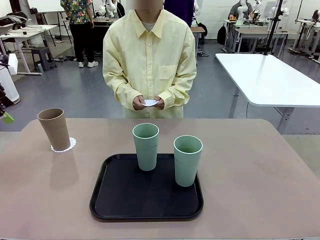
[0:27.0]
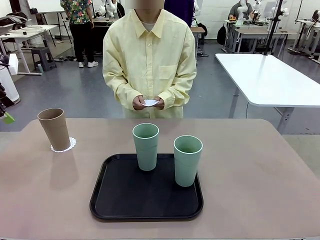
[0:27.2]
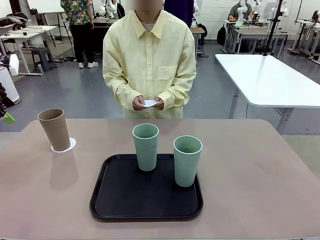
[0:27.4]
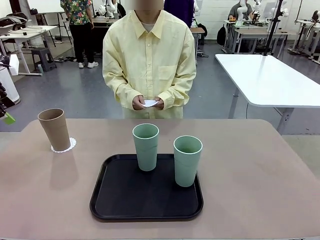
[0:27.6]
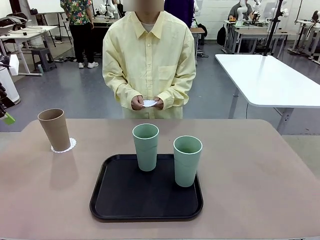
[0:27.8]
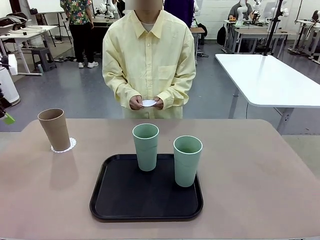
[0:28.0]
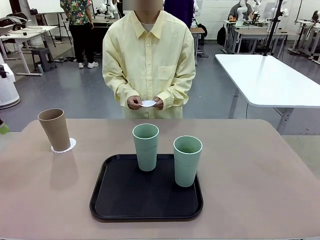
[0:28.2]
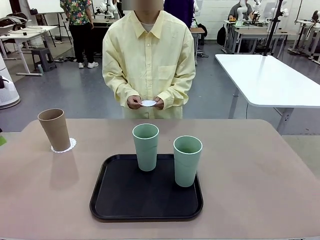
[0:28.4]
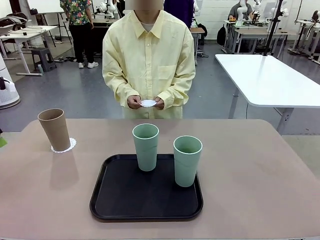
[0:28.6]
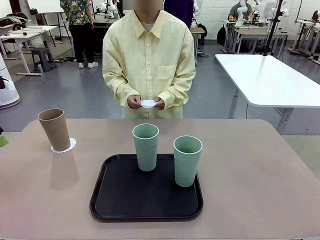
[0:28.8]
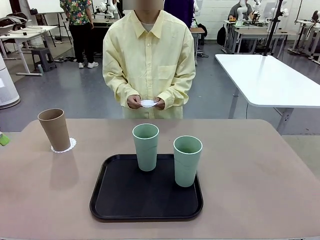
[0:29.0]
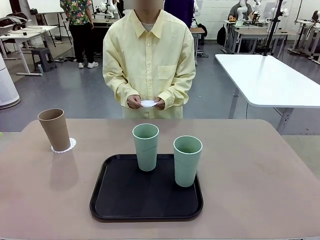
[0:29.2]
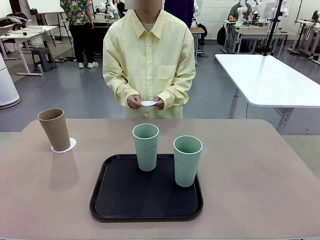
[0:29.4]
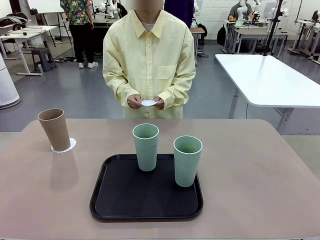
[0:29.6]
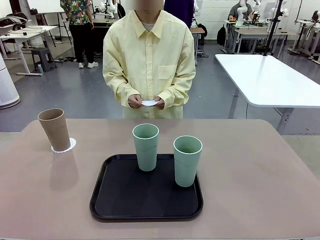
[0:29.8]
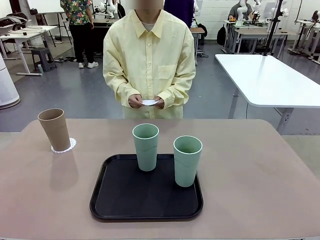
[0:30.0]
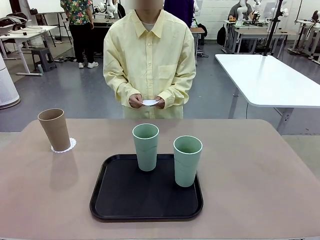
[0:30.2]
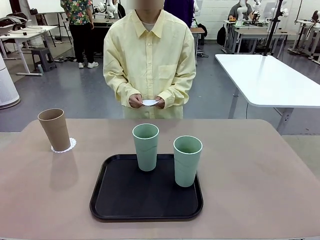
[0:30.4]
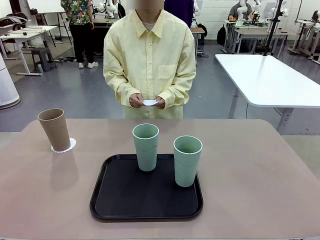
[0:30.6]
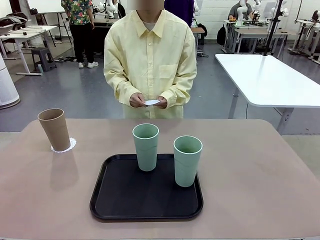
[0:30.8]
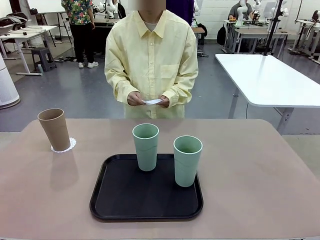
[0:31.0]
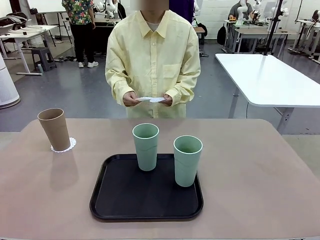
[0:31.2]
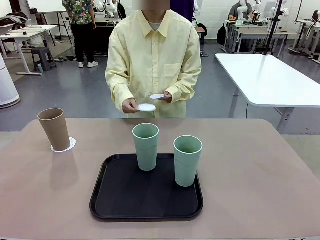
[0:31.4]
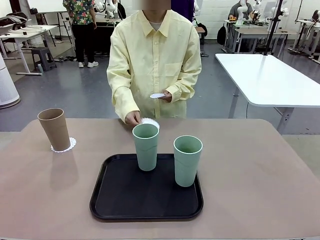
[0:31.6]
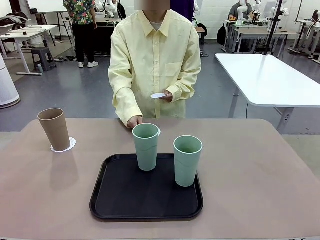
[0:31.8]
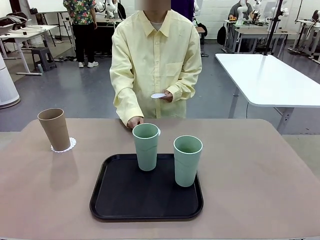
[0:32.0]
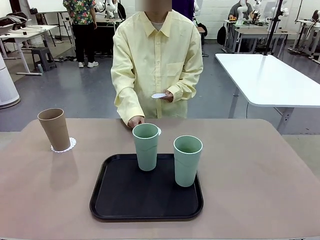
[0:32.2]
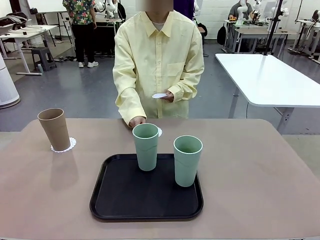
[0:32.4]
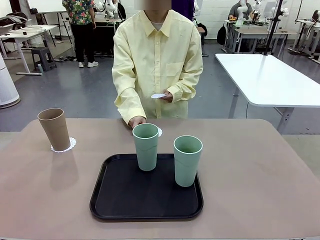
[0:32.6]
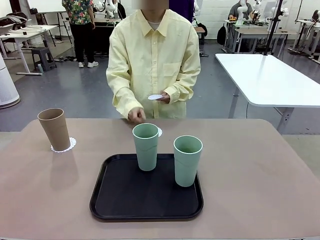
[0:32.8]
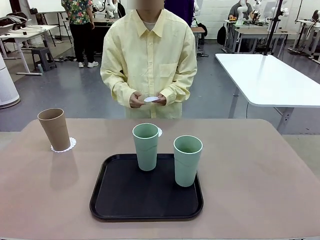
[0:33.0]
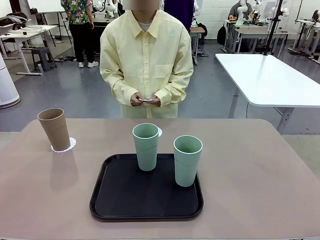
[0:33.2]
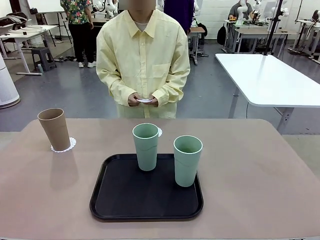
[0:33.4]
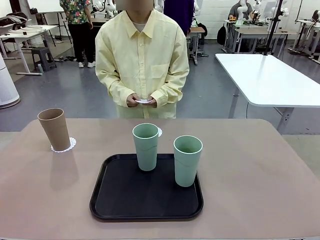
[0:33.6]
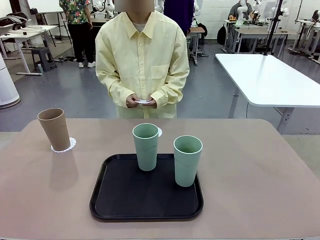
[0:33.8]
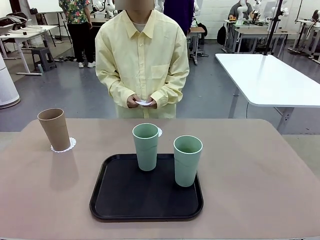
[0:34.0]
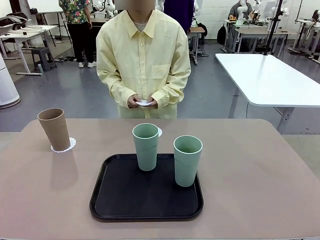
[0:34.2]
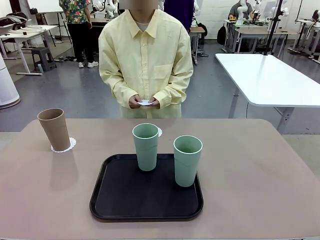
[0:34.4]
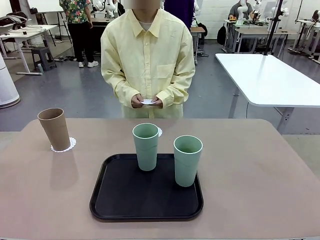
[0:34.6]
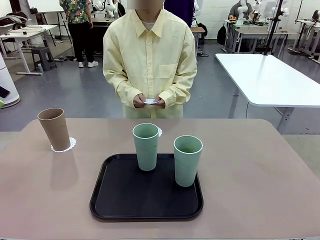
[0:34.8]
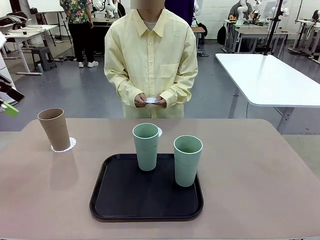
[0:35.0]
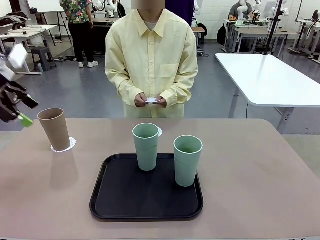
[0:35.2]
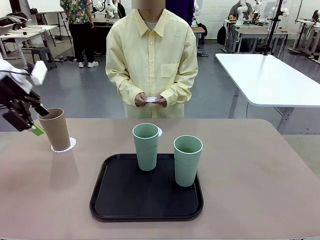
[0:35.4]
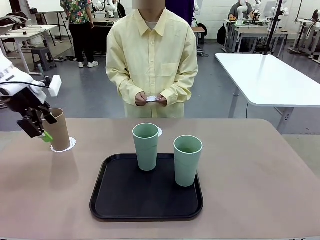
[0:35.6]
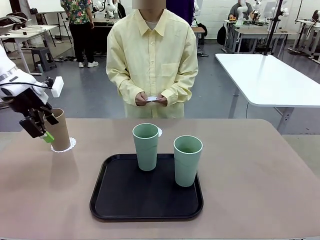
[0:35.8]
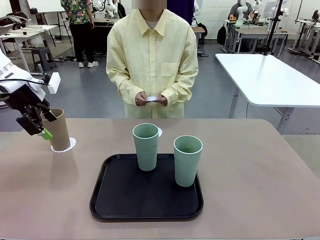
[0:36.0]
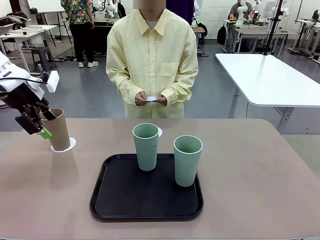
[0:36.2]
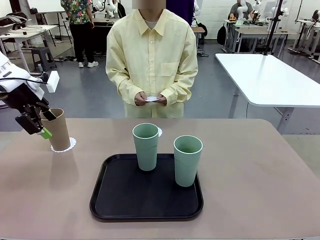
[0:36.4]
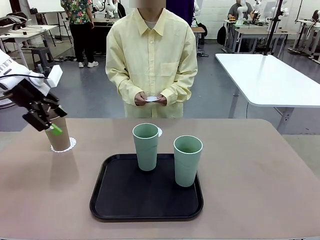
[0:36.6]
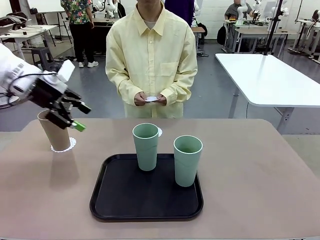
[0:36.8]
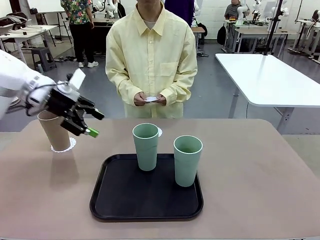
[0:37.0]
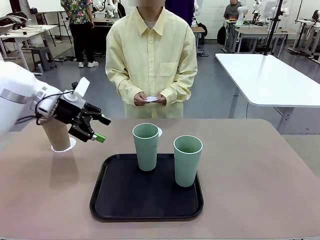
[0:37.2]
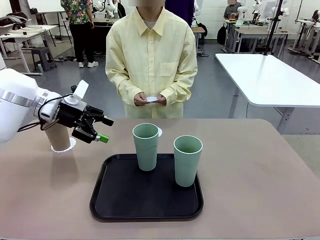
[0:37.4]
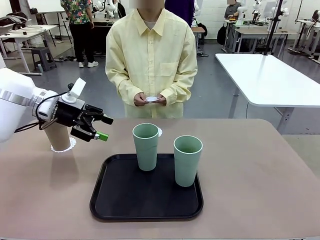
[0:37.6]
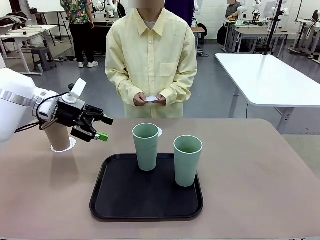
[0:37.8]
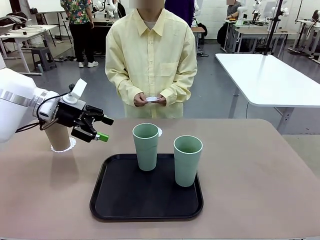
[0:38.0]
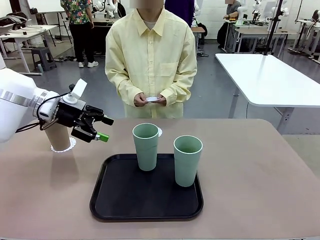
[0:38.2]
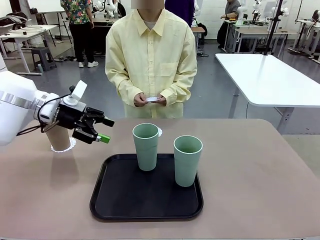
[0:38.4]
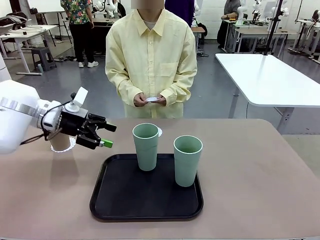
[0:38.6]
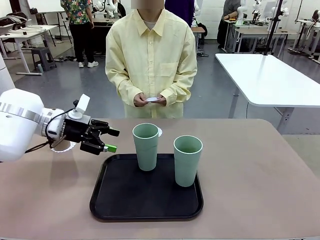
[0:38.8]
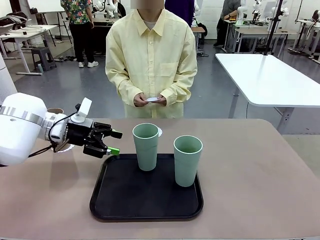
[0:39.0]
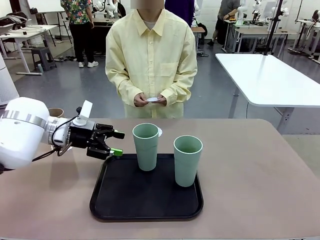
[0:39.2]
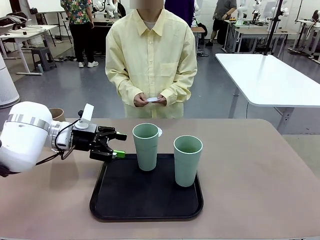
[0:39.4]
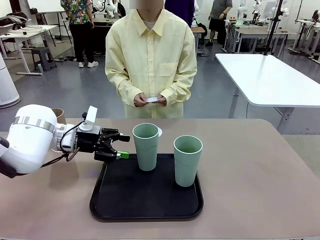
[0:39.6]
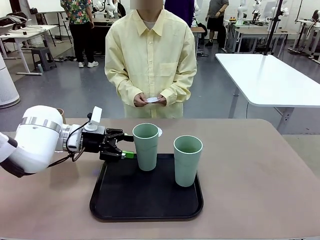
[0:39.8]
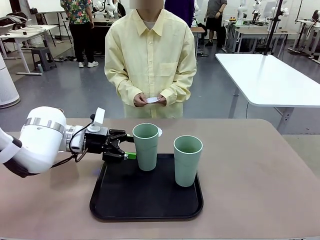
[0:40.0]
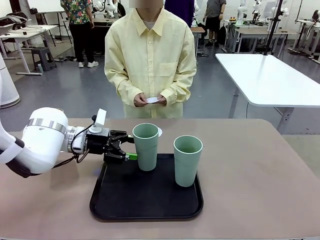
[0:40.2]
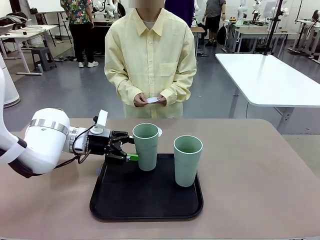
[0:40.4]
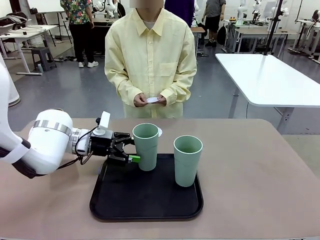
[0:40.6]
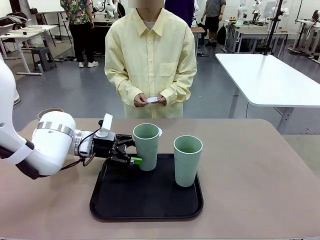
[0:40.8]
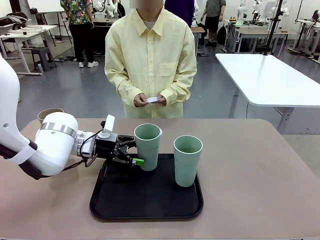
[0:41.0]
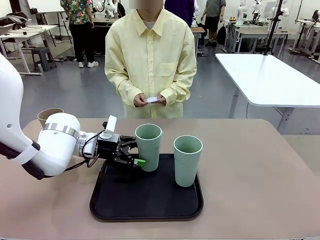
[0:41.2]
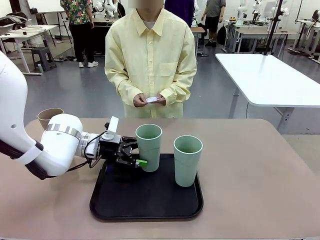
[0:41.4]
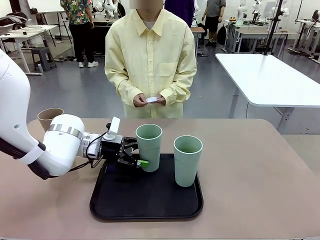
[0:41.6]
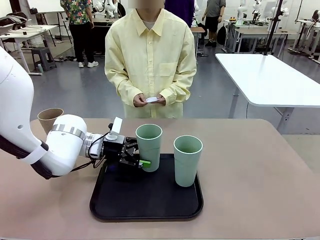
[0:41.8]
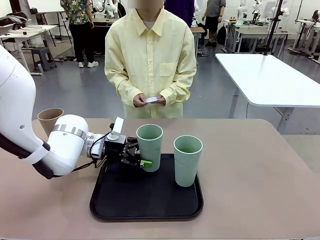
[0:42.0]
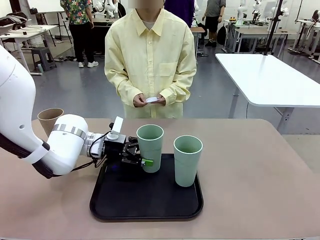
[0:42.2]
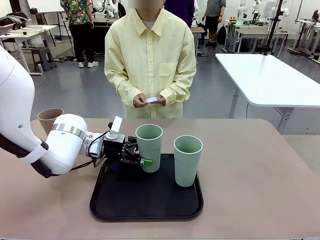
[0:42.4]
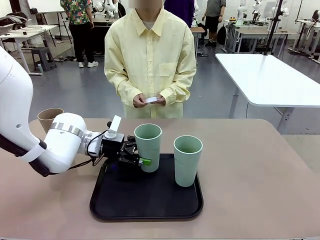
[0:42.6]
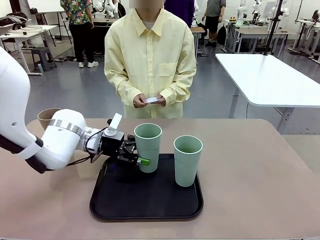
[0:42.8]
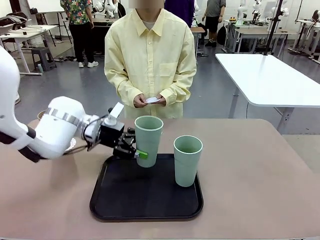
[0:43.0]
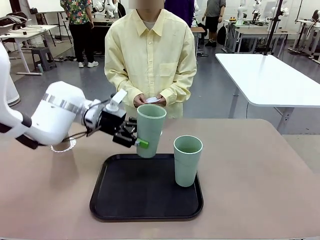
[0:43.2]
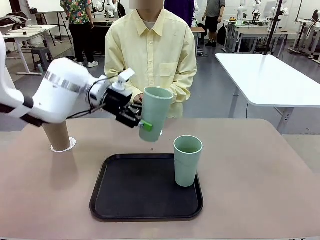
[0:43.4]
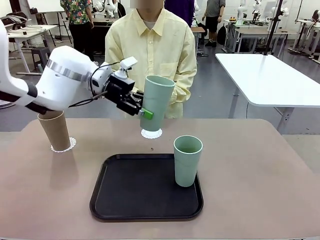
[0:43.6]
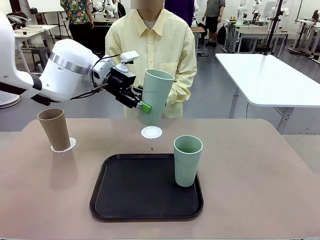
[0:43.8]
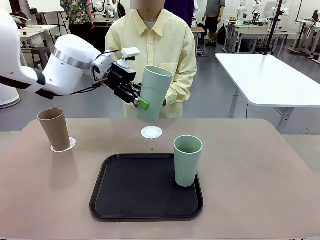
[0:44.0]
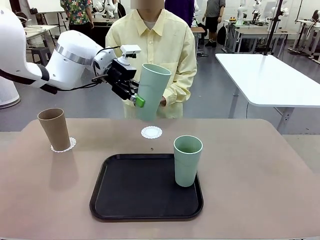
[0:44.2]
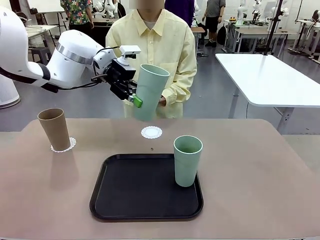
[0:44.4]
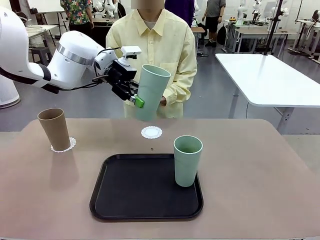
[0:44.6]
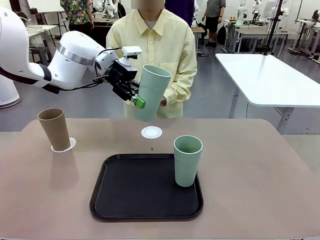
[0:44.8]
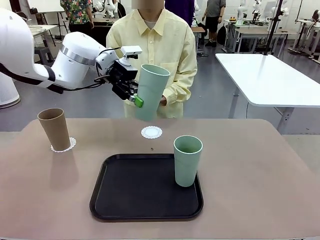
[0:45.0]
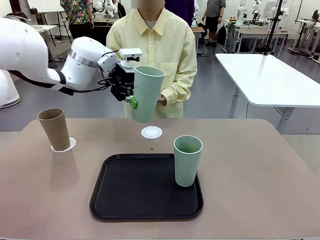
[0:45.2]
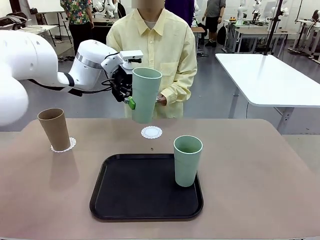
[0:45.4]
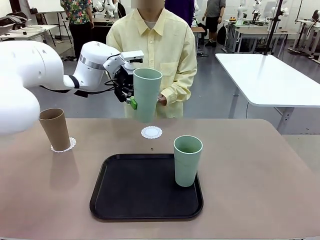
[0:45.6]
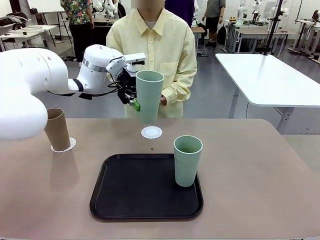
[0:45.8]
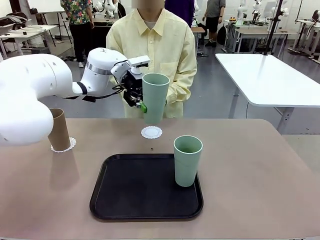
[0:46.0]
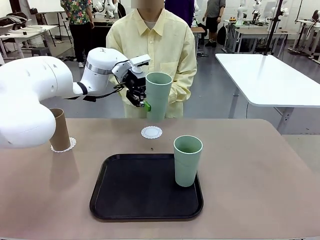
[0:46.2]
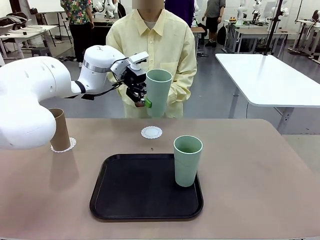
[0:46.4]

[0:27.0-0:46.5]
Task: Place coasters on the table and set cups on them.
Robot: Take one Reusable plastic cup from the Flat Tray and place it on a coaster set by the human.

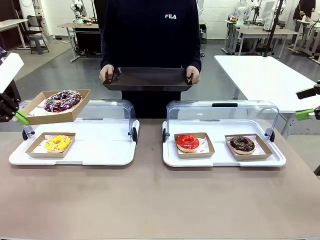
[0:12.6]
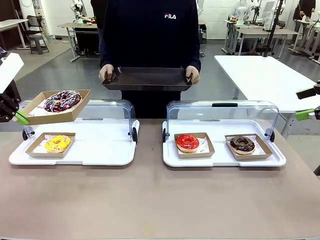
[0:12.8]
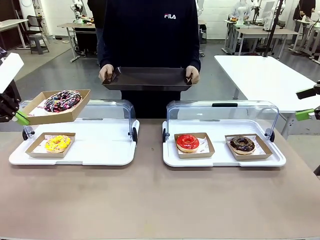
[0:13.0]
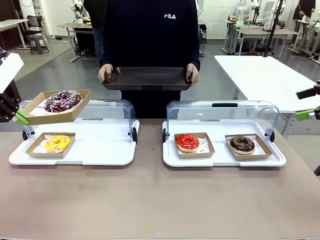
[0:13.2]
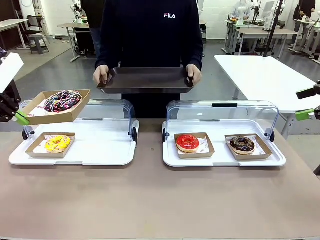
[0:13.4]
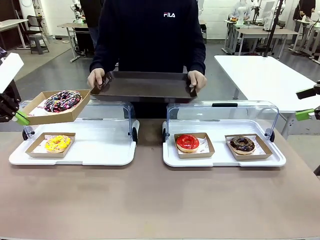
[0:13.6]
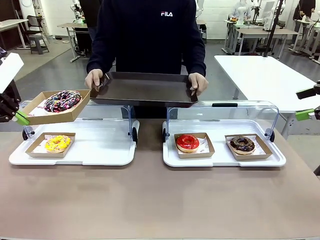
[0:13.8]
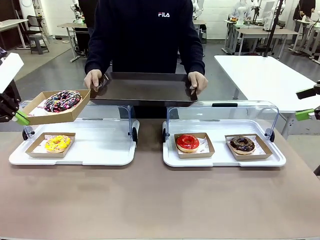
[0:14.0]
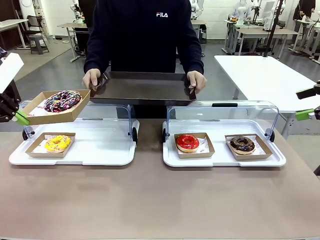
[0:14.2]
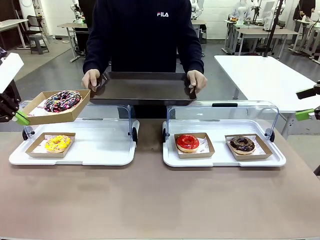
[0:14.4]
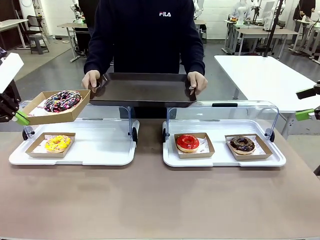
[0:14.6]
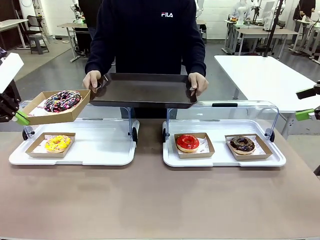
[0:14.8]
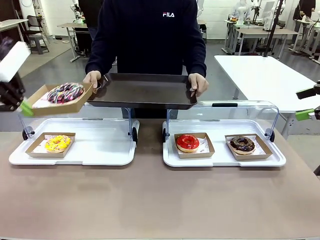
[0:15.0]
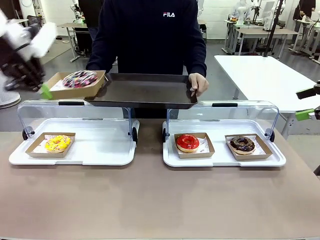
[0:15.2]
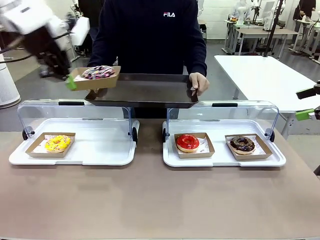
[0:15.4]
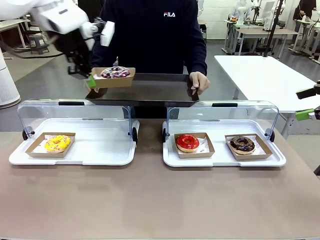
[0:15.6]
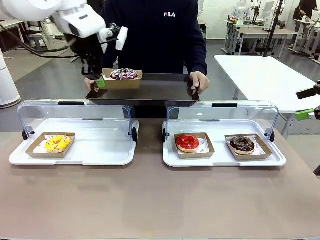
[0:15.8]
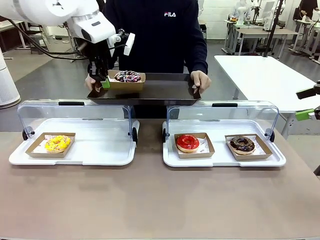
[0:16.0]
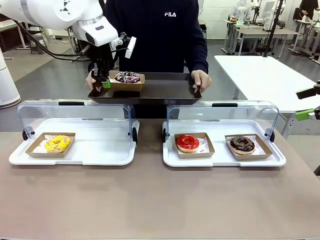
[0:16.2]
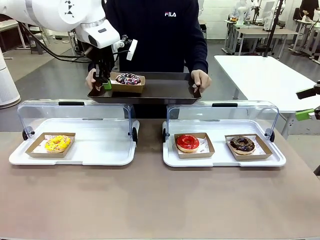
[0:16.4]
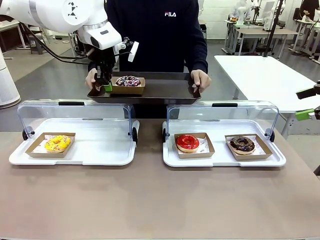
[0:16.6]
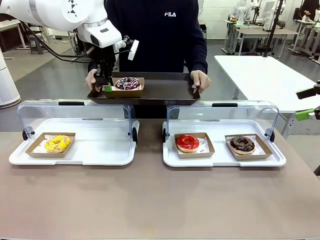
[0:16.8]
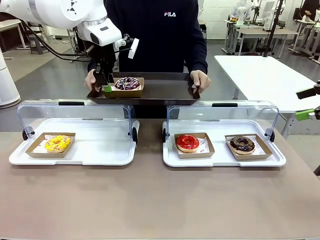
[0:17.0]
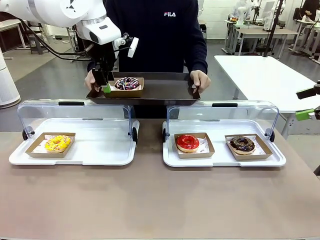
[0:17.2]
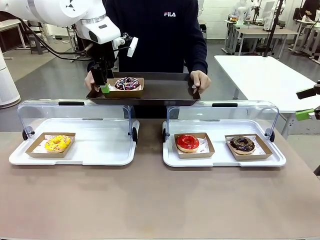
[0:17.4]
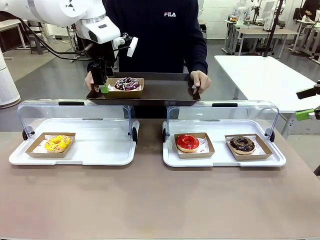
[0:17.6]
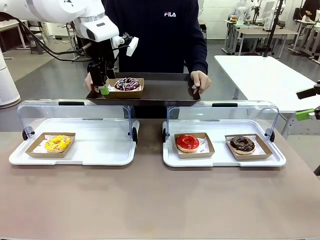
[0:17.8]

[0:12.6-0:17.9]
Task: Provide the desired donut to the person.
Robot: Place the picked Paper togo box onto the Handle tray extended by the person.
